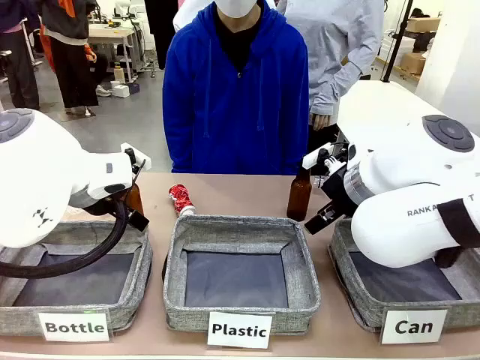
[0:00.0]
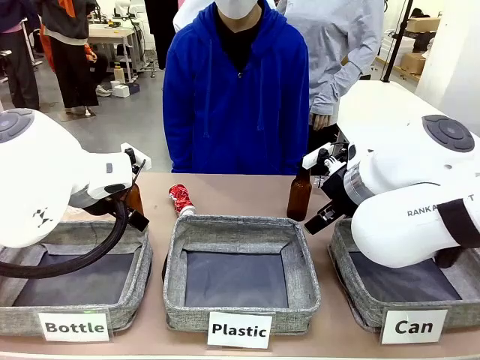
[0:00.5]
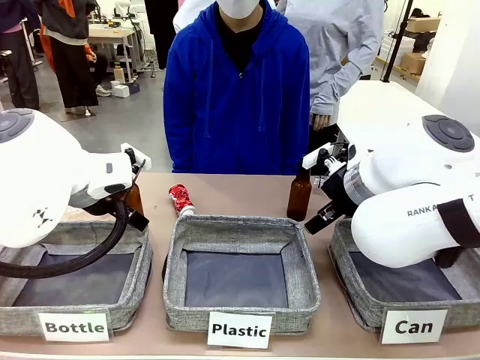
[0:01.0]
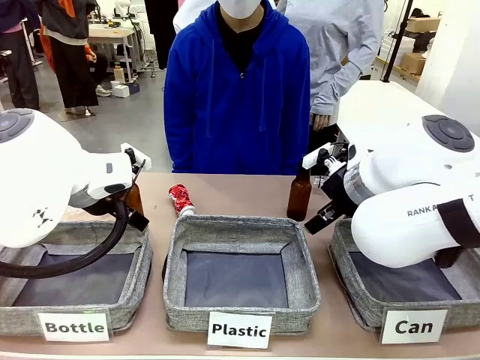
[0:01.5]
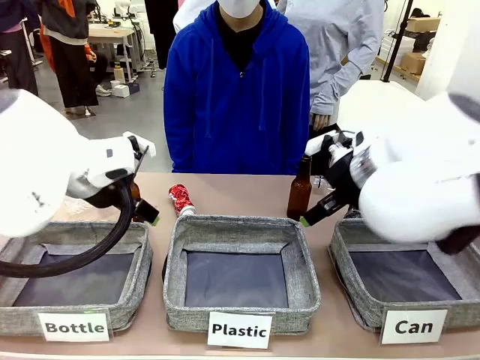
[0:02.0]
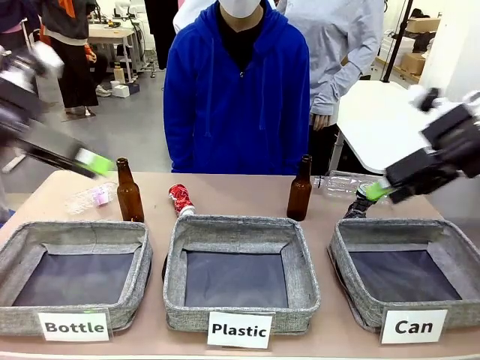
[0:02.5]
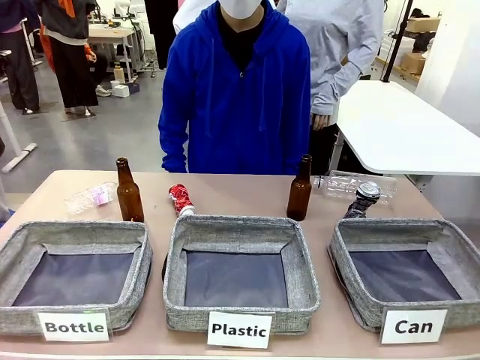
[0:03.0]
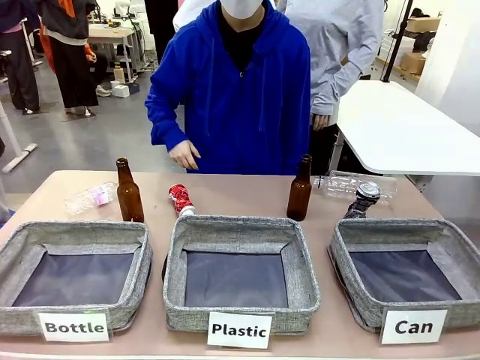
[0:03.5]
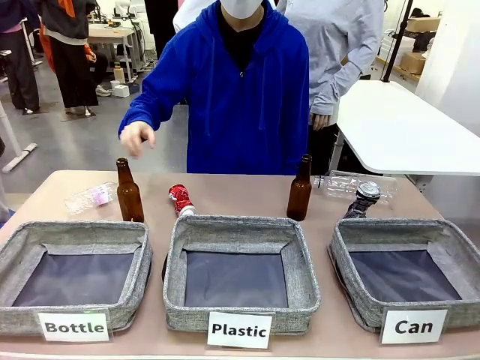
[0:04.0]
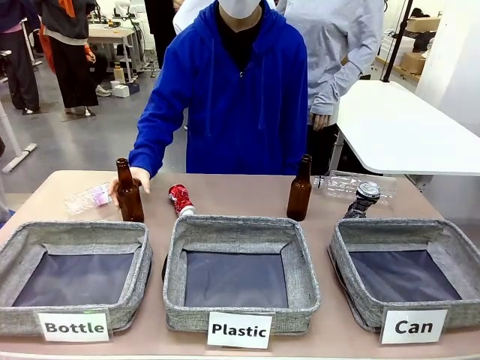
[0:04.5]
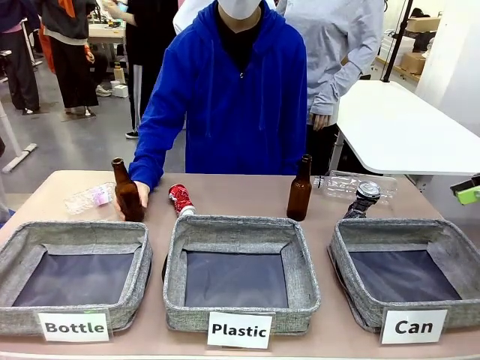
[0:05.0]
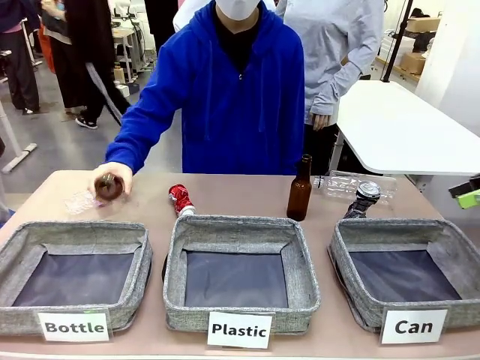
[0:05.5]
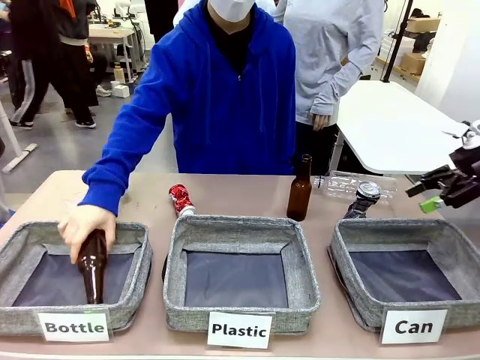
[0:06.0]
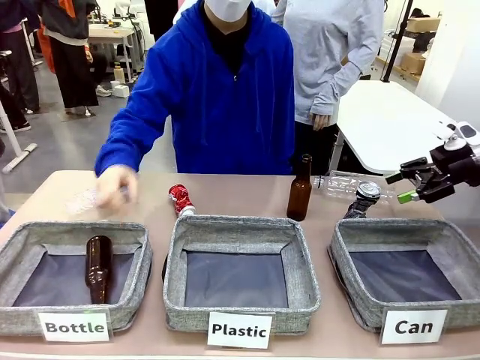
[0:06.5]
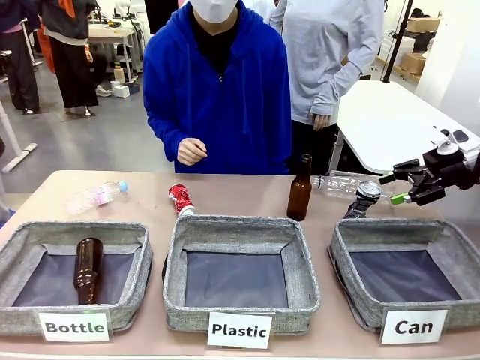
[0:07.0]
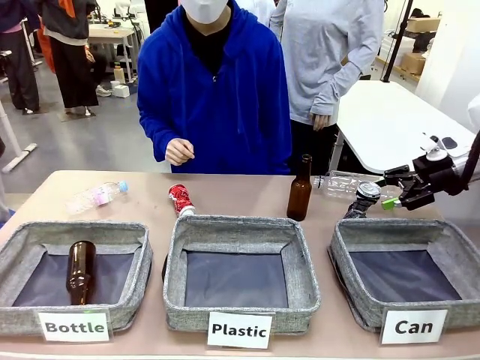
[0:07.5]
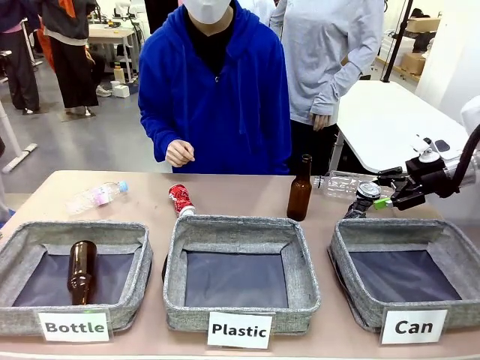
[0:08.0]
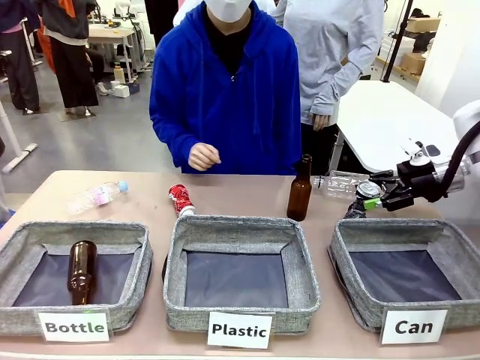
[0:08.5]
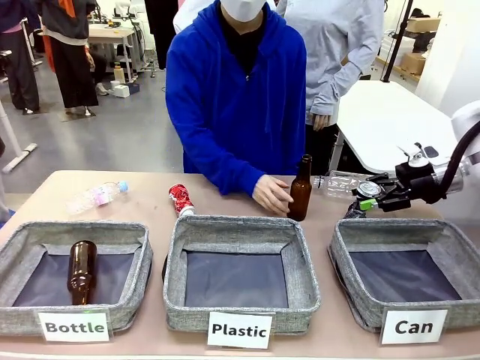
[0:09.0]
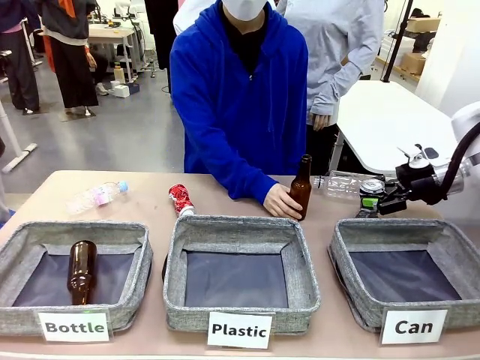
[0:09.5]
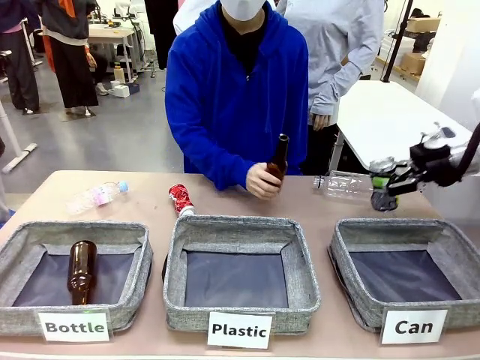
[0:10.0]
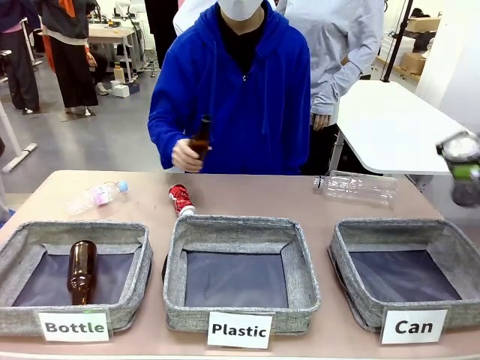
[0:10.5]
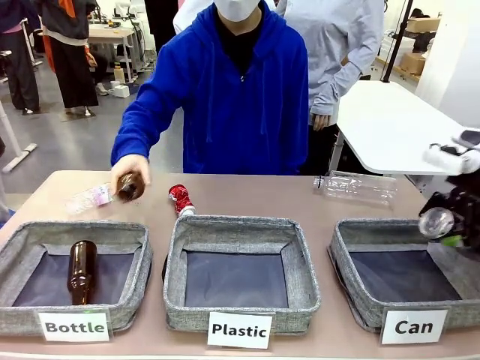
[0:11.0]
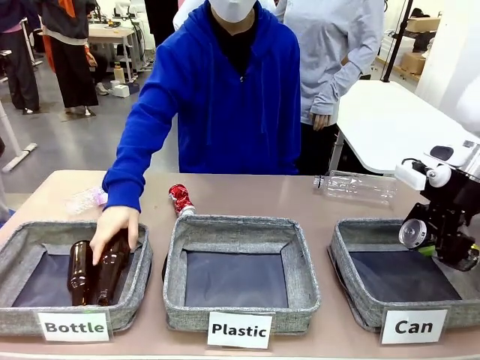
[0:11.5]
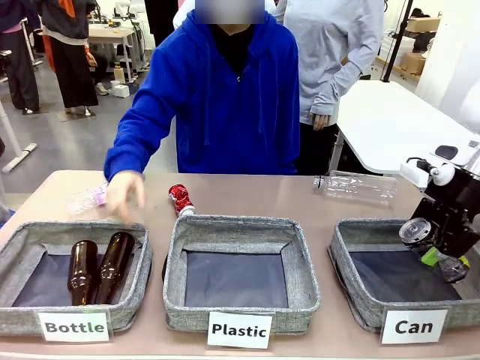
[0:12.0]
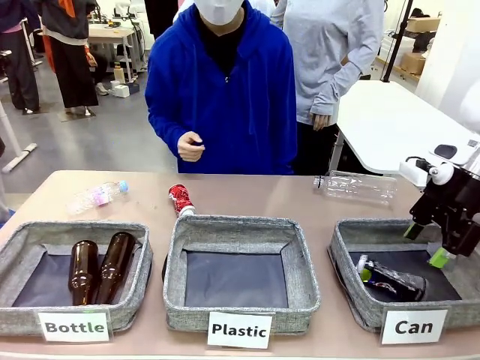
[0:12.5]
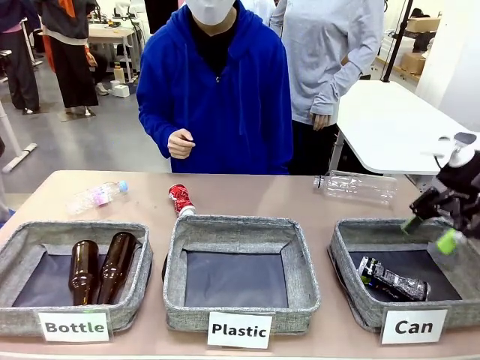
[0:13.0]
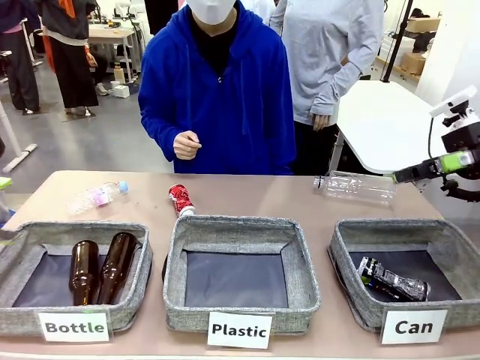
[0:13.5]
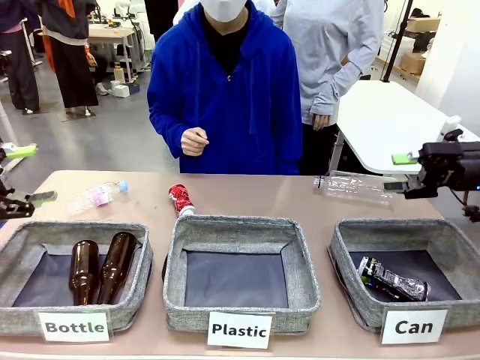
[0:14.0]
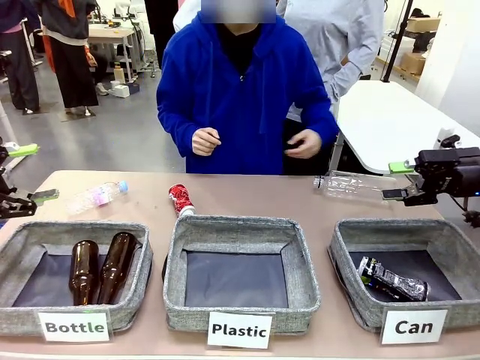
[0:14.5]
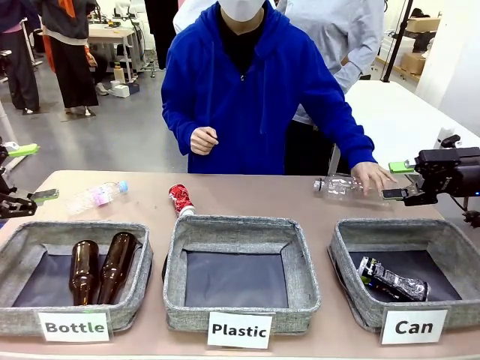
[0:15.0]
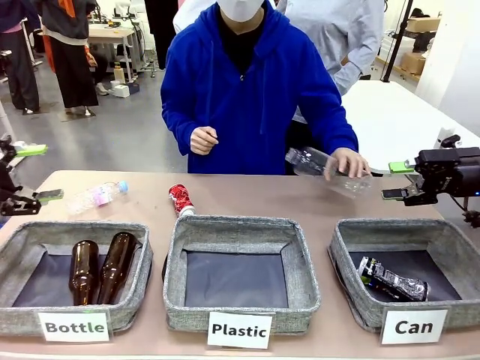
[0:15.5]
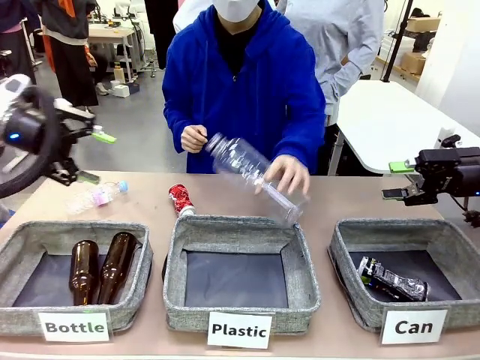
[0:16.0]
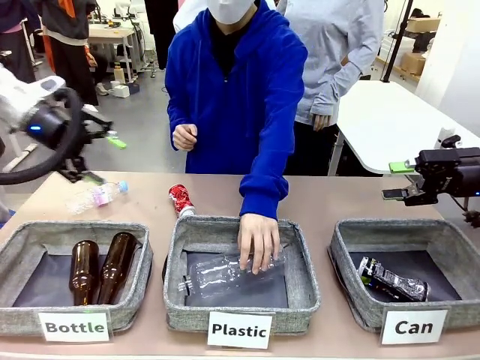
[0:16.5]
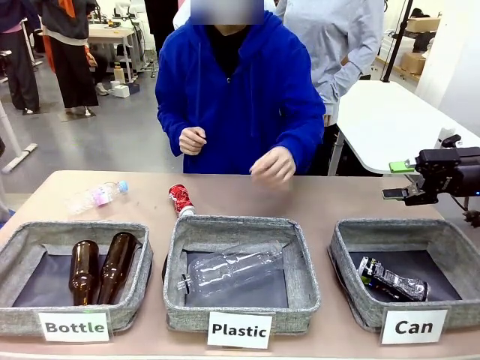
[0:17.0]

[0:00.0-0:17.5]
Task: Sort the can waste into the basket.
Robot: Pick up the can waste from the table and place it in the right Fabric basket.
